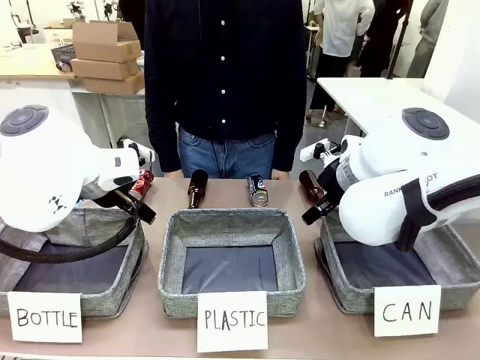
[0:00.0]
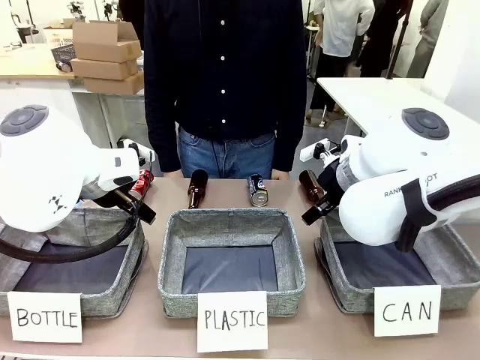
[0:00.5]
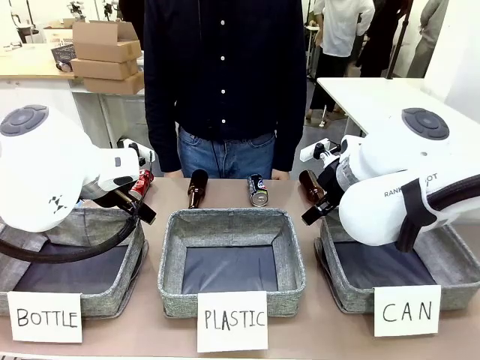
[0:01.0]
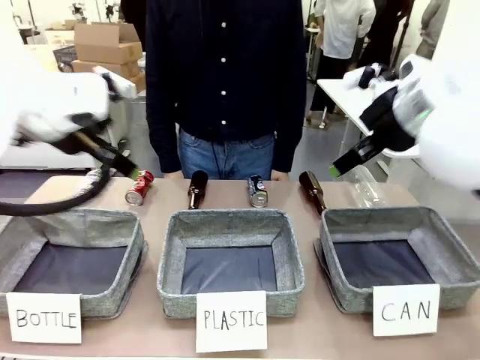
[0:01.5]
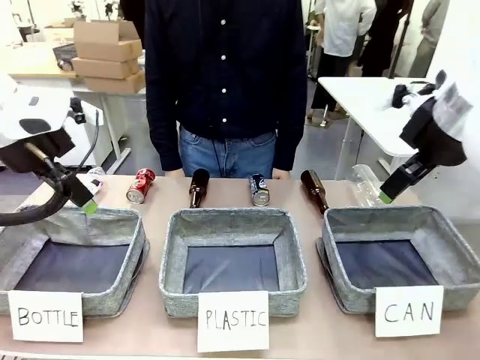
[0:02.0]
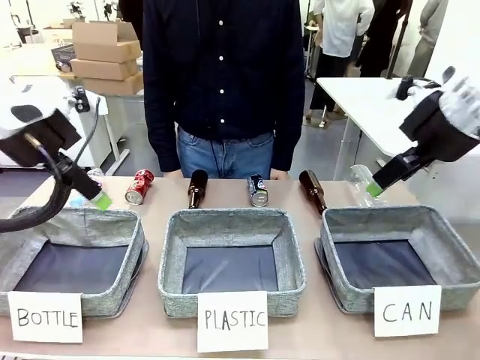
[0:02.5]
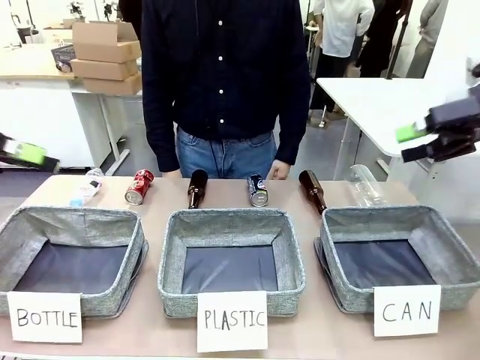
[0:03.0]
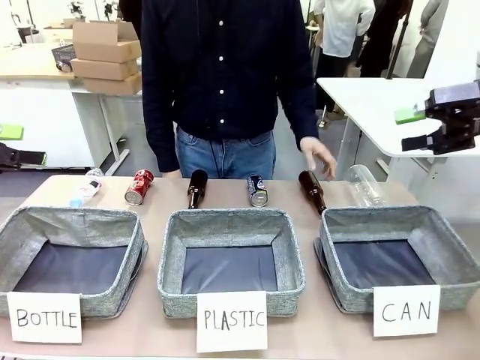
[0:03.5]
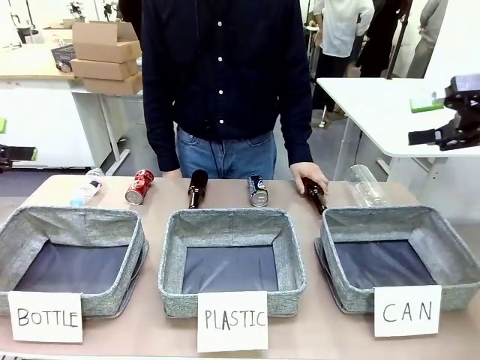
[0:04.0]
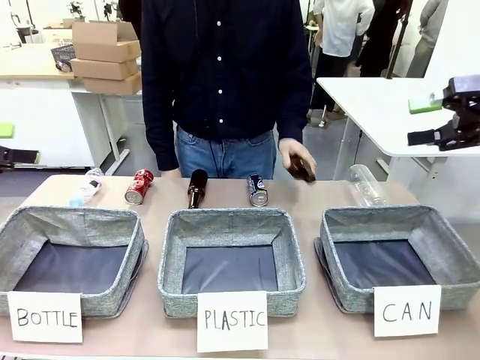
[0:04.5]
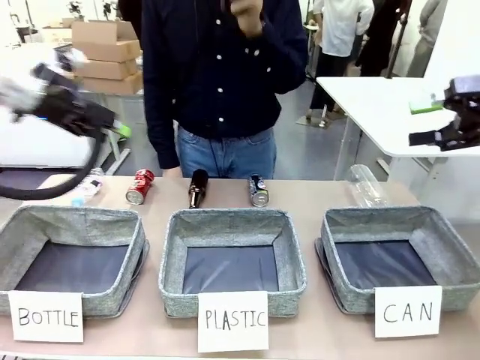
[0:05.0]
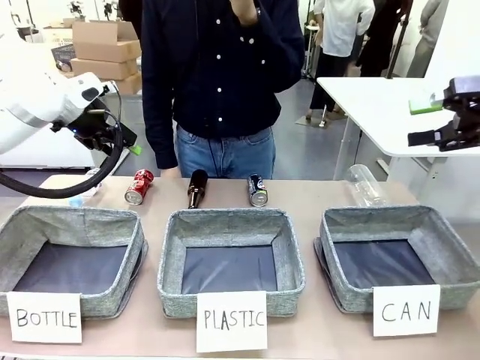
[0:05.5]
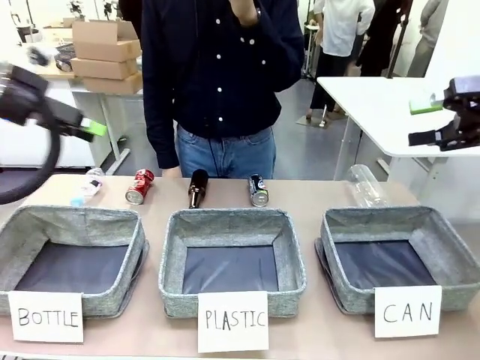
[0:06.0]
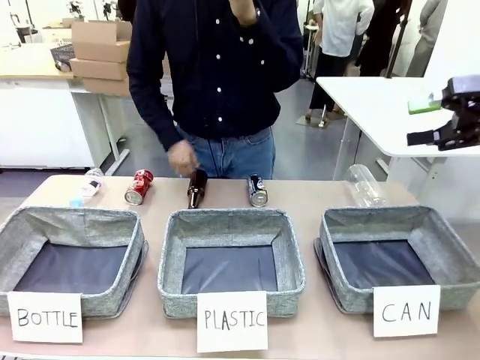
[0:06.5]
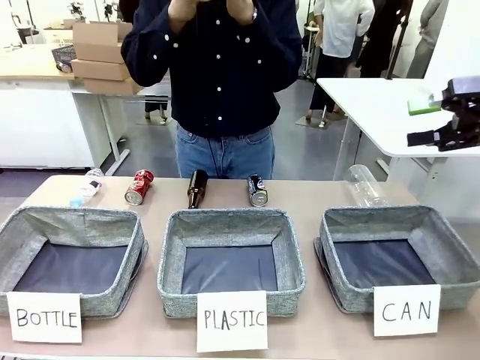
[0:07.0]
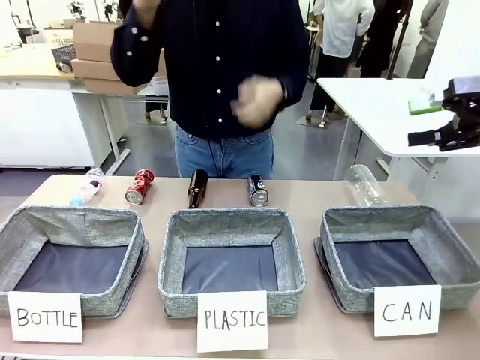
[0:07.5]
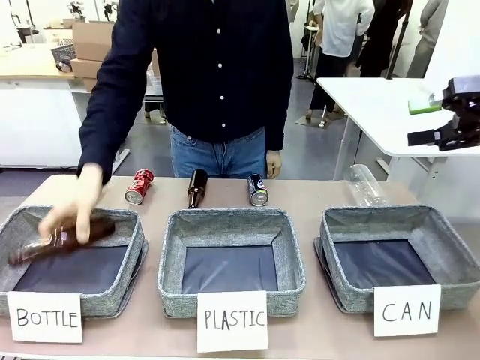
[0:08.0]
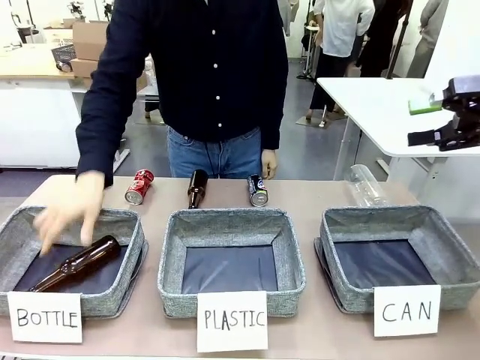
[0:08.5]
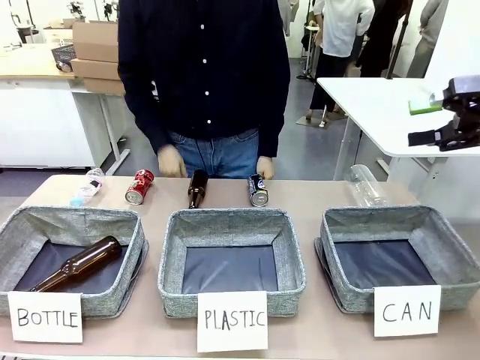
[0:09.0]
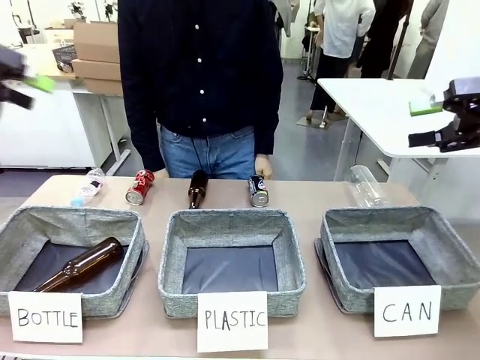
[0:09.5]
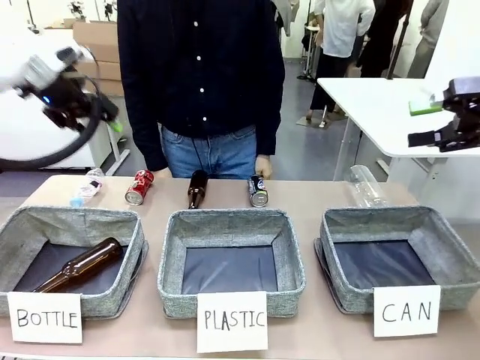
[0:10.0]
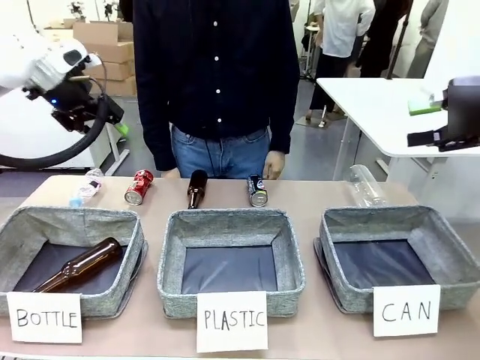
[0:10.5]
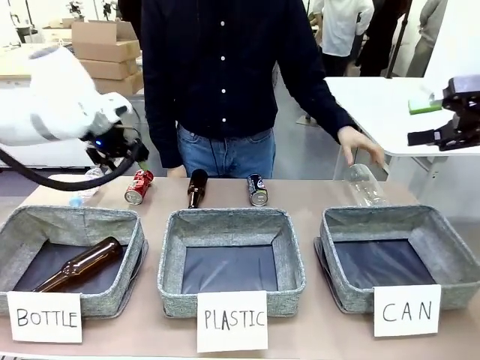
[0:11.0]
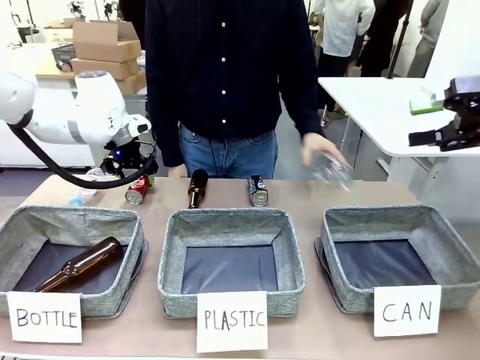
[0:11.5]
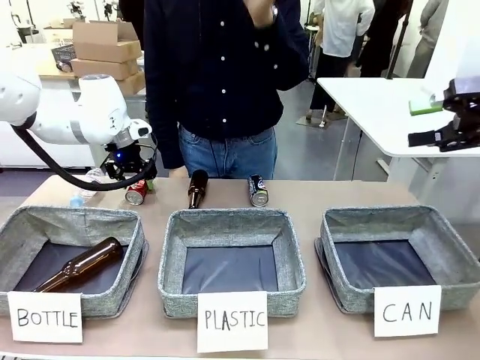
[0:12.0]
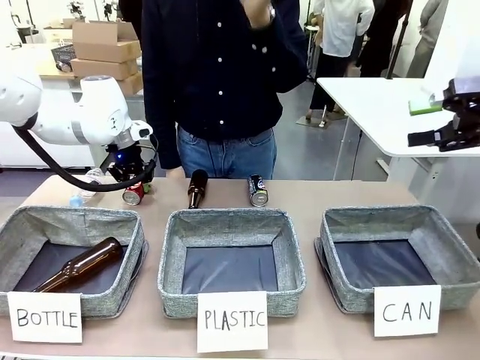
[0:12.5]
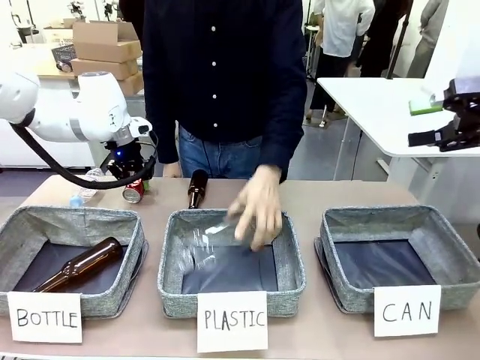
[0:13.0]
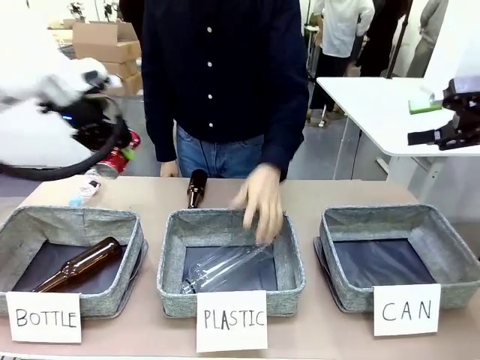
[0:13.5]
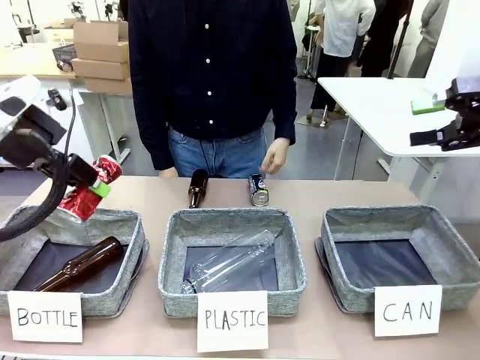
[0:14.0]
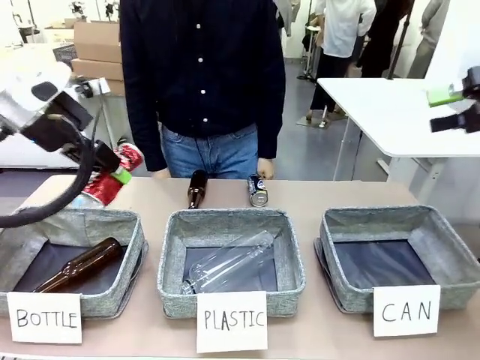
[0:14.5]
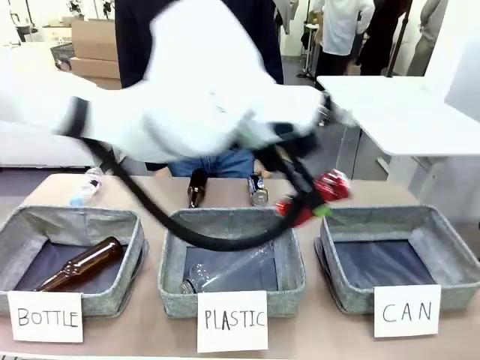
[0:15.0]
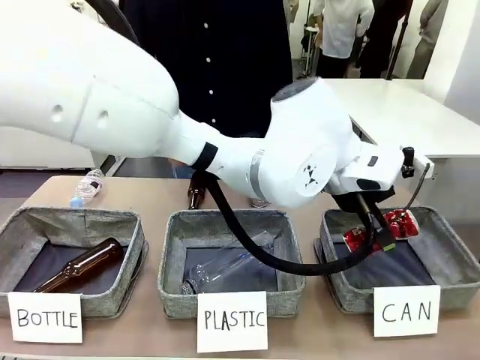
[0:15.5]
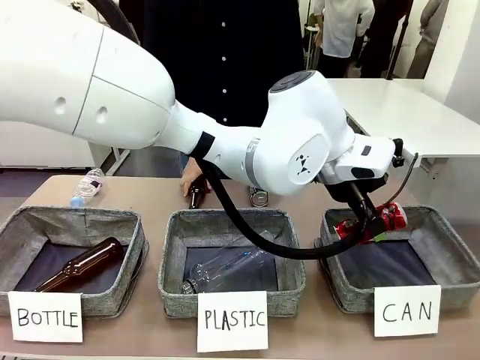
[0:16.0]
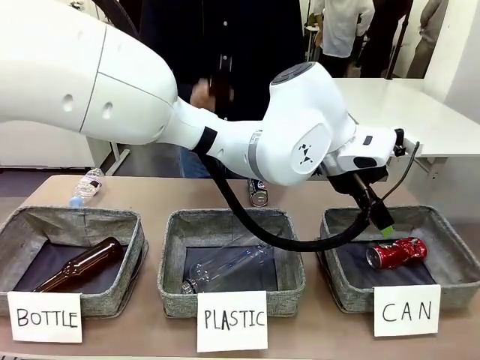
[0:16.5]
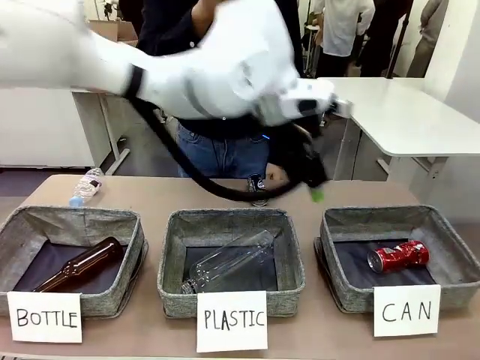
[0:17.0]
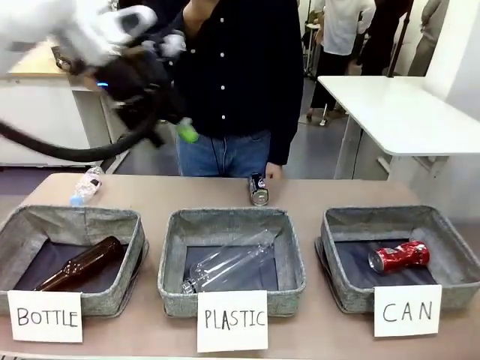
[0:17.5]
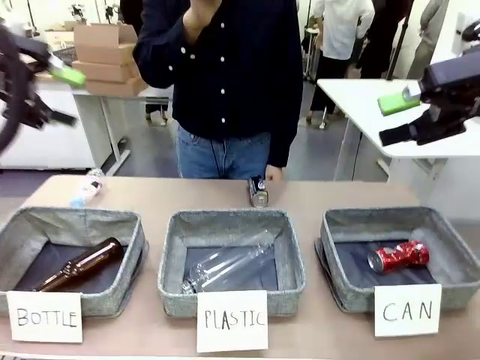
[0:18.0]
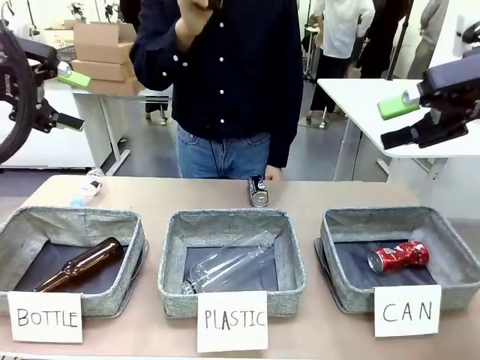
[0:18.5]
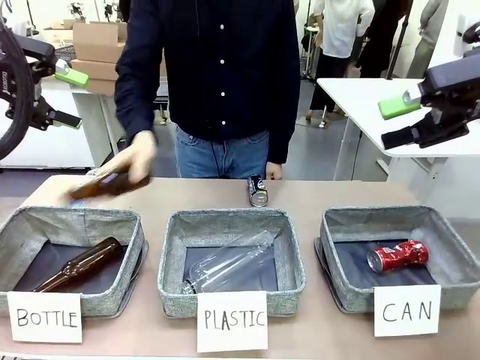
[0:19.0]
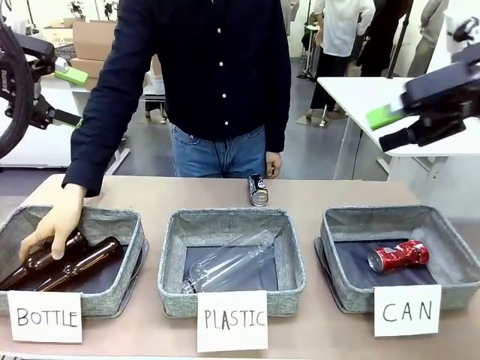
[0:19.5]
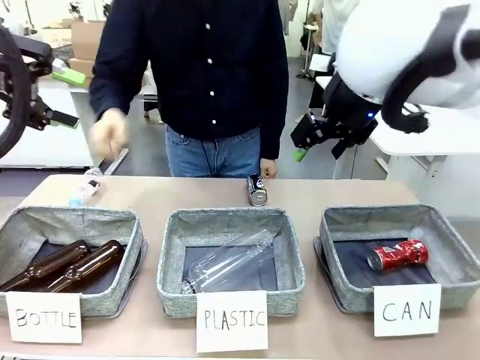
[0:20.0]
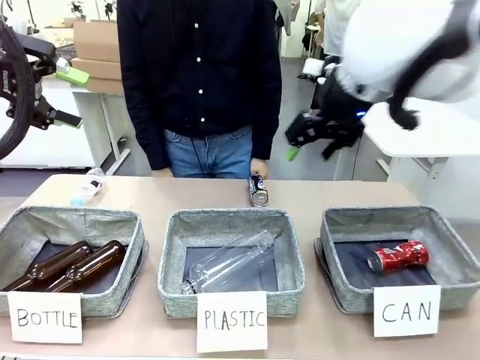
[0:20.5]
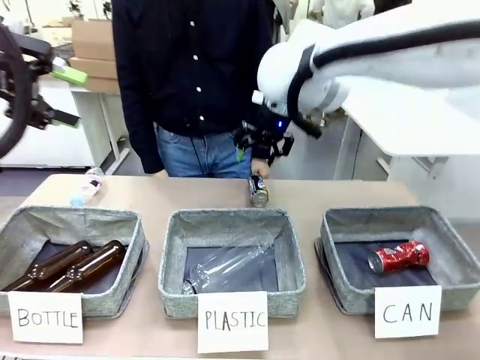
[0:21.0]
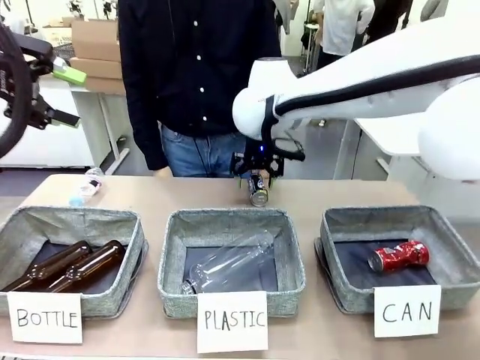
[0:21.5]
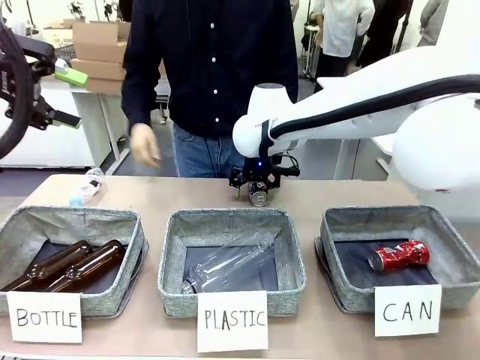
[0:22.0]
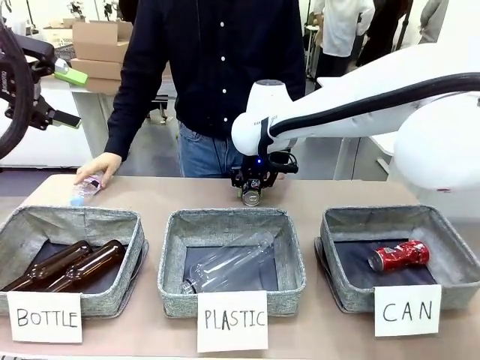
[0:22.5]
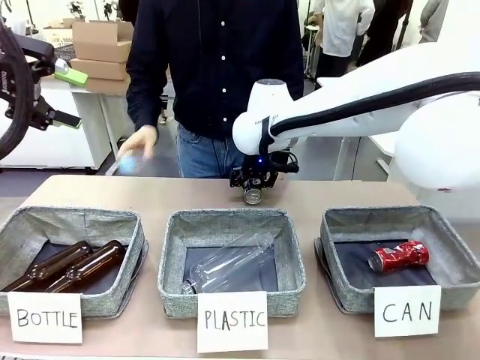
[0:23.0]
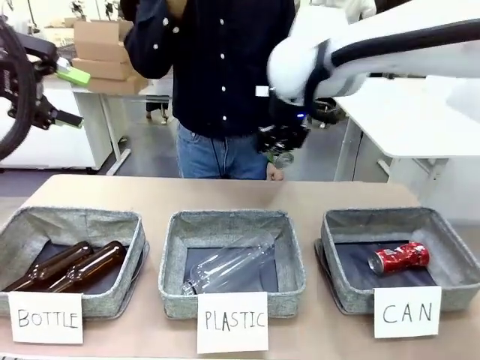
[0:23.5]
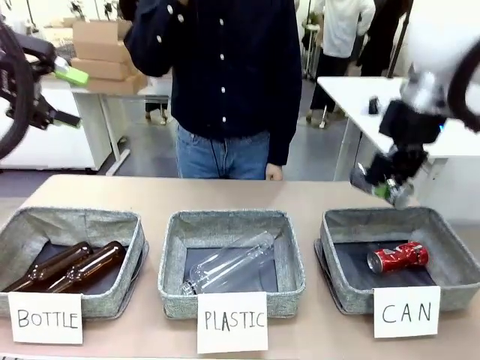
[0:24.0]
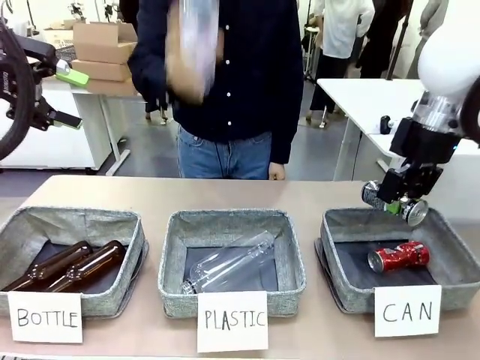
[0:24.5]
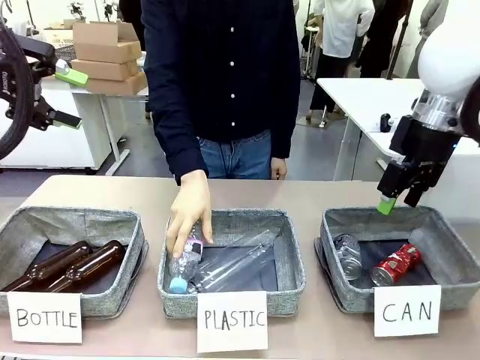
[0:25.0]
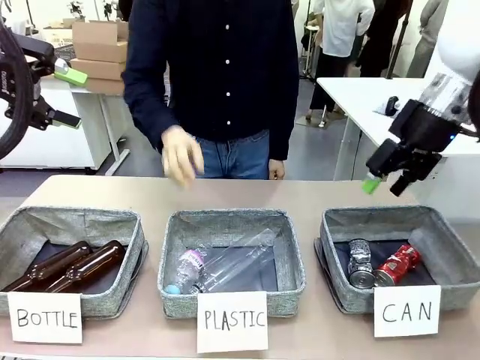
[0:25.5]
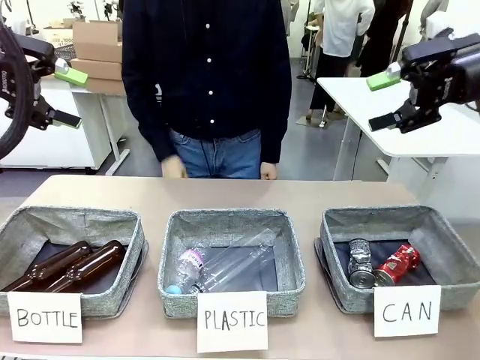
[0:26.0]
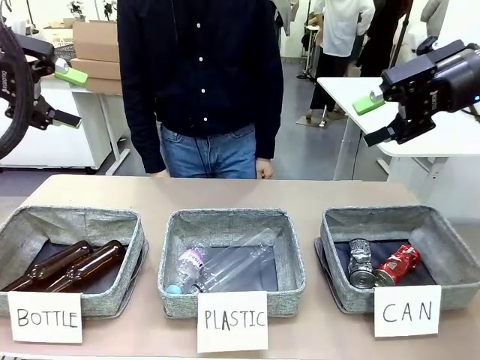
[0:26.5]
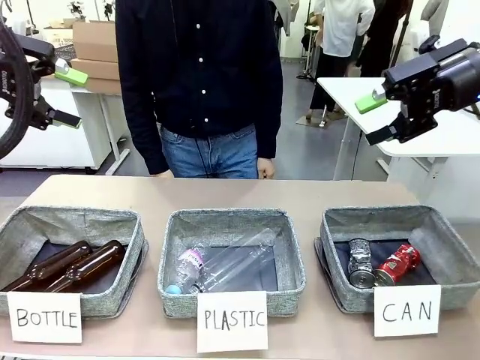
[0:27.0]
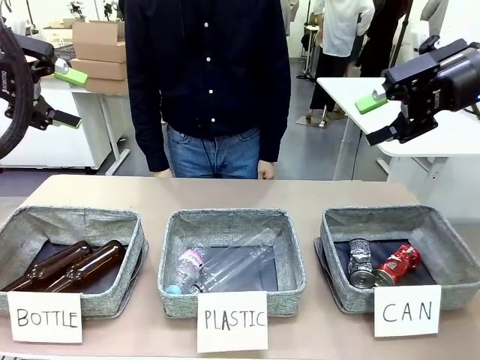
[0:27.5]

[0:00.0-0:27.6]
Task: Sort the can waste into the basket.
Robot: Pick up the can waste from the table and place it in the right Fabric basket.
Person: The human picks up one piece of trash that is not a can and places the trash into the appropriate organizing basket.
